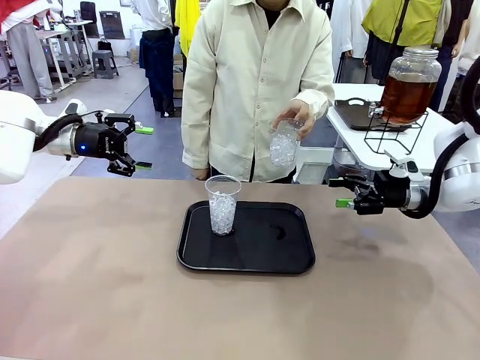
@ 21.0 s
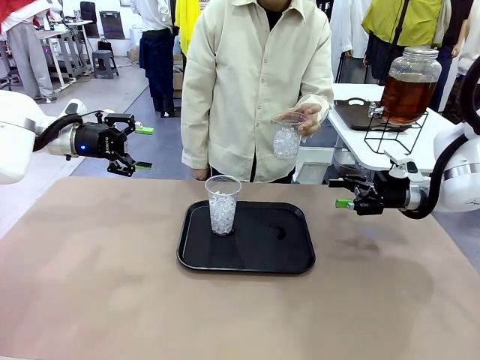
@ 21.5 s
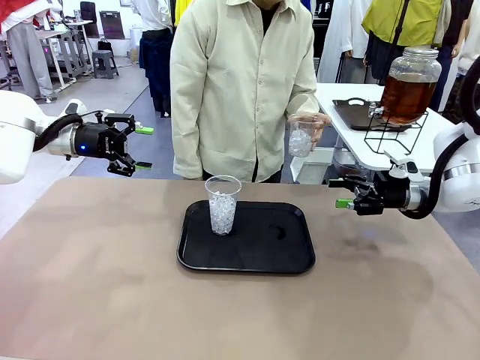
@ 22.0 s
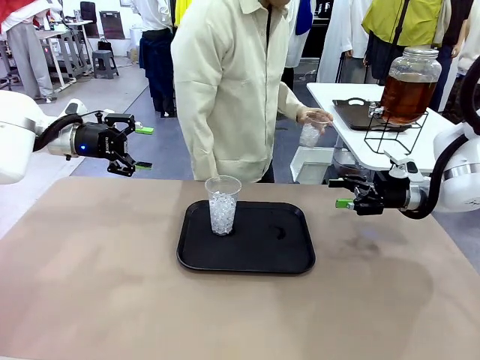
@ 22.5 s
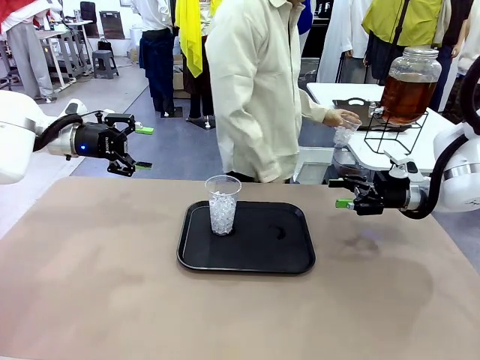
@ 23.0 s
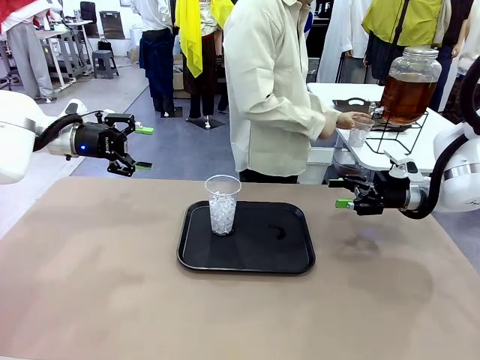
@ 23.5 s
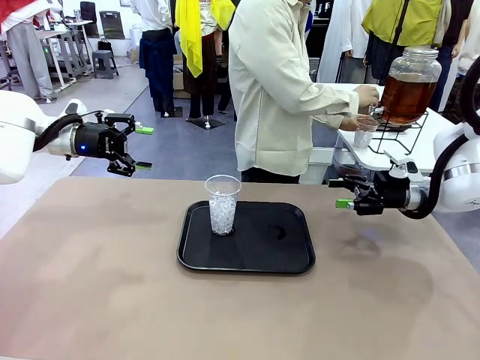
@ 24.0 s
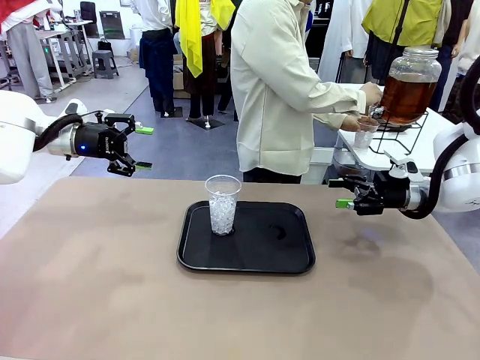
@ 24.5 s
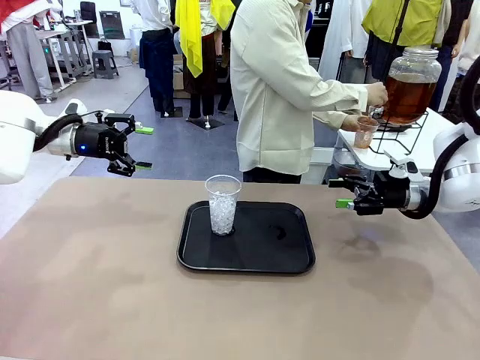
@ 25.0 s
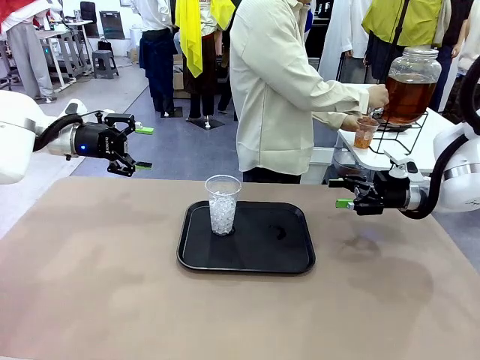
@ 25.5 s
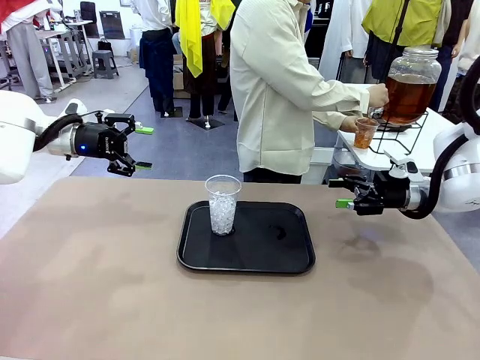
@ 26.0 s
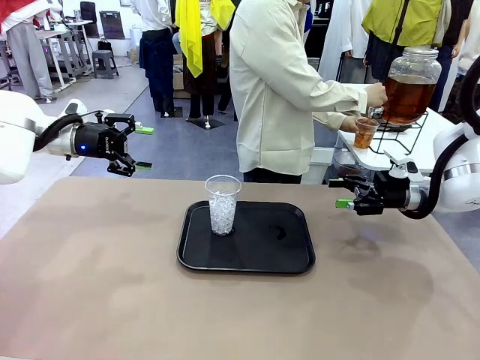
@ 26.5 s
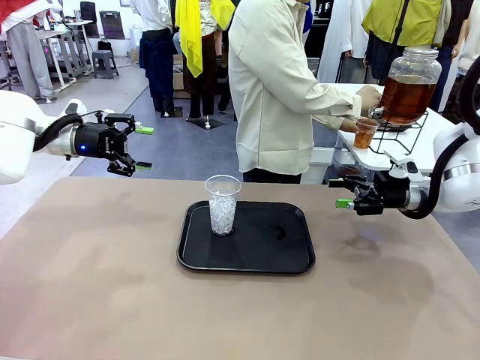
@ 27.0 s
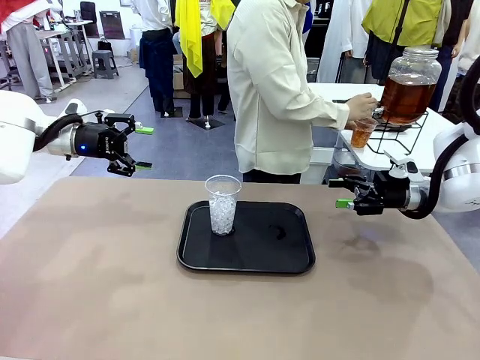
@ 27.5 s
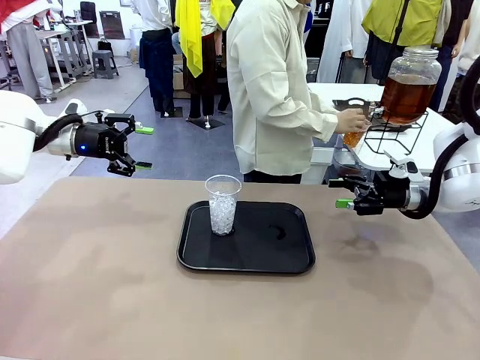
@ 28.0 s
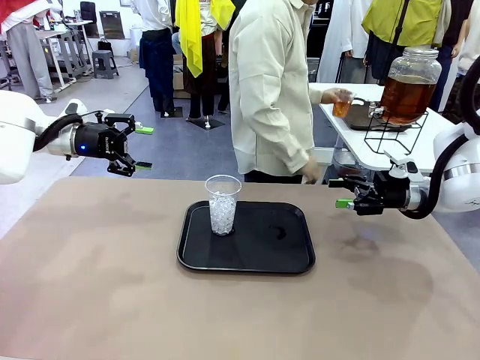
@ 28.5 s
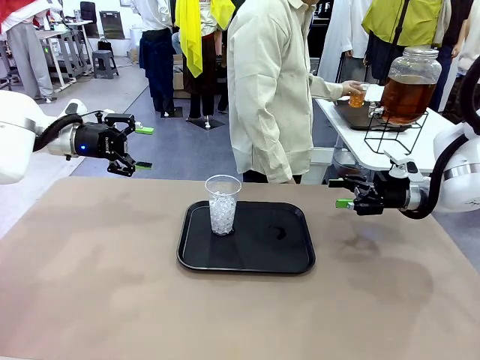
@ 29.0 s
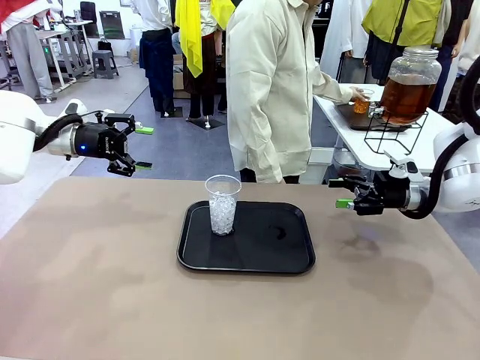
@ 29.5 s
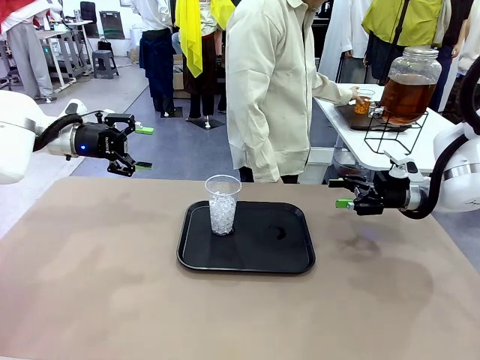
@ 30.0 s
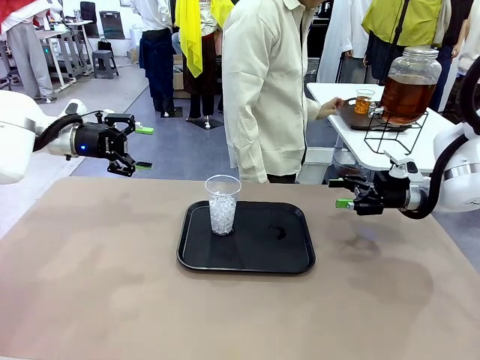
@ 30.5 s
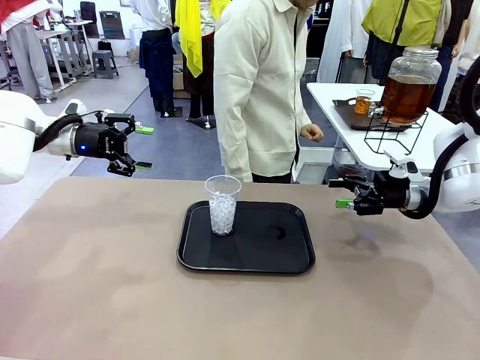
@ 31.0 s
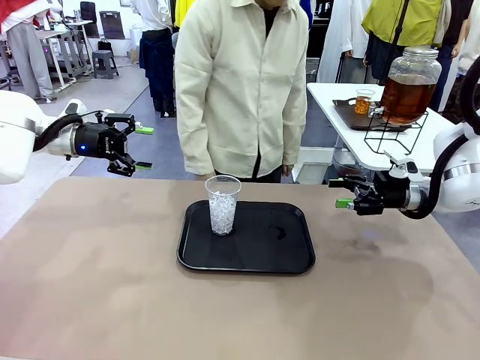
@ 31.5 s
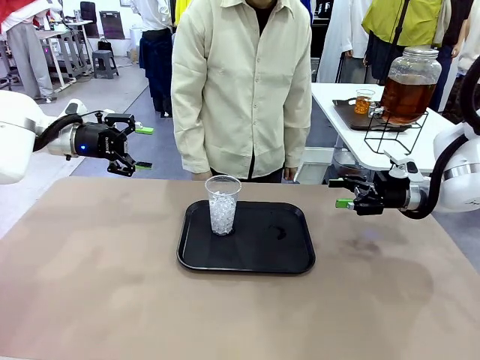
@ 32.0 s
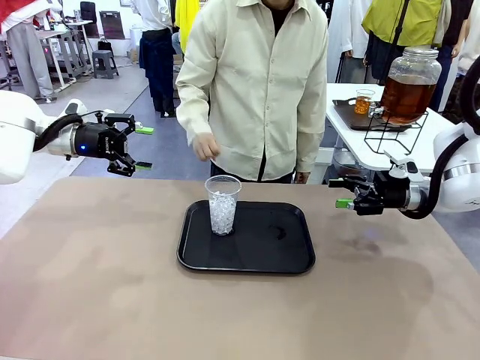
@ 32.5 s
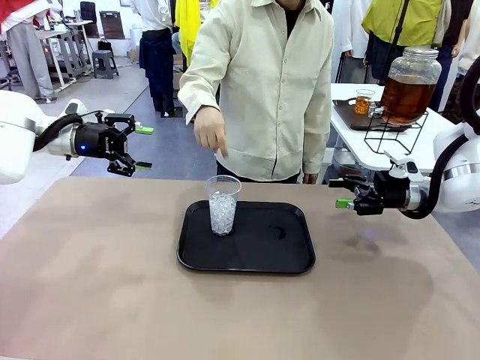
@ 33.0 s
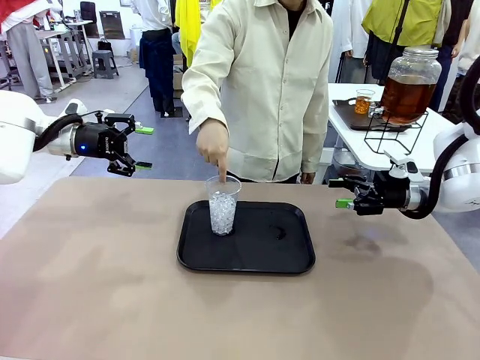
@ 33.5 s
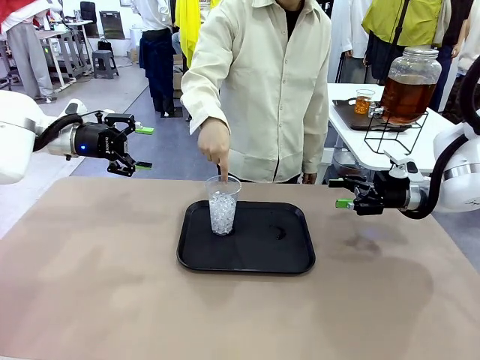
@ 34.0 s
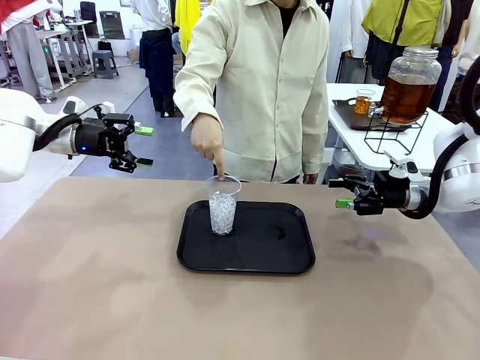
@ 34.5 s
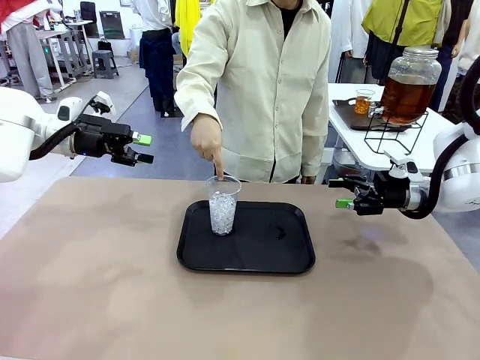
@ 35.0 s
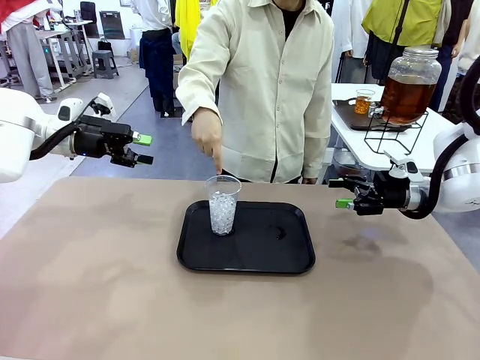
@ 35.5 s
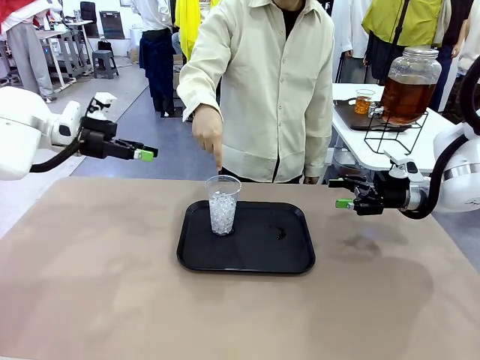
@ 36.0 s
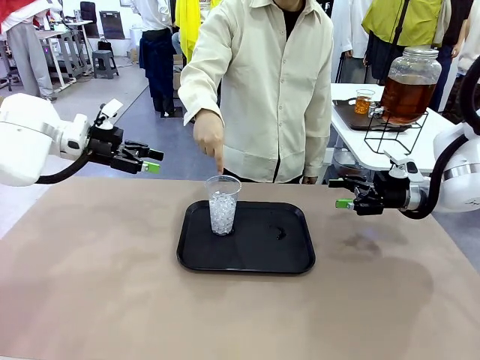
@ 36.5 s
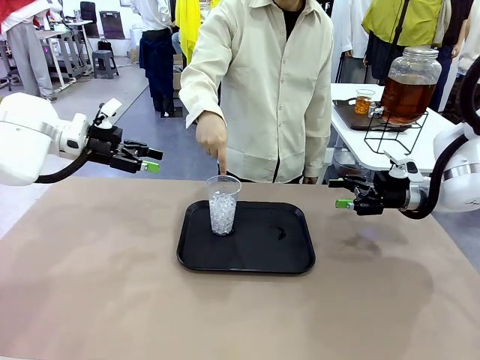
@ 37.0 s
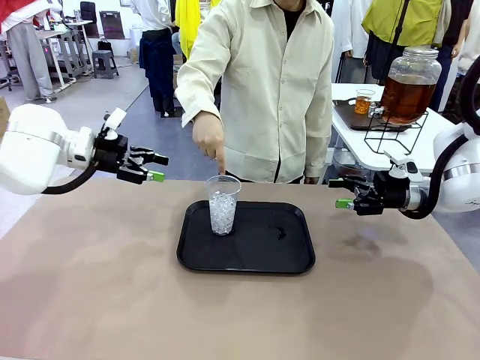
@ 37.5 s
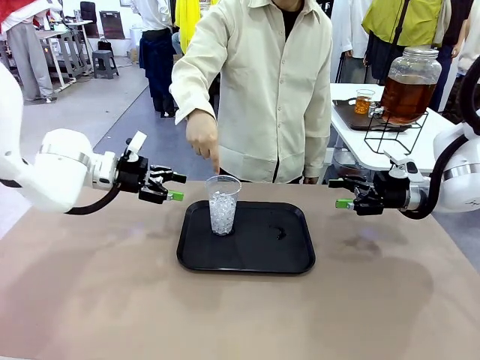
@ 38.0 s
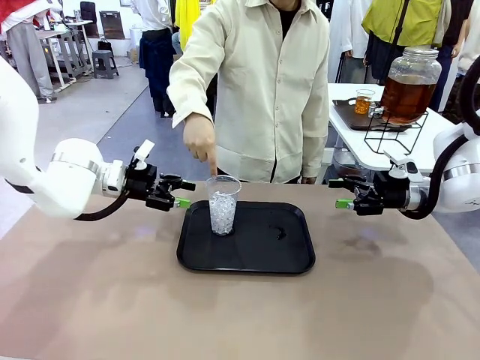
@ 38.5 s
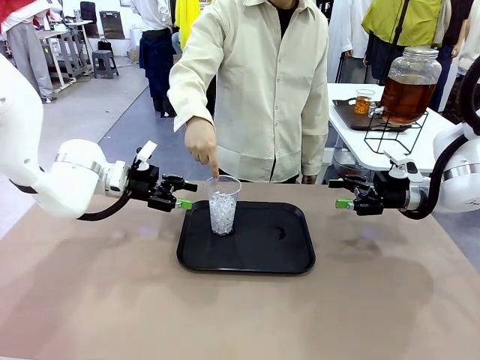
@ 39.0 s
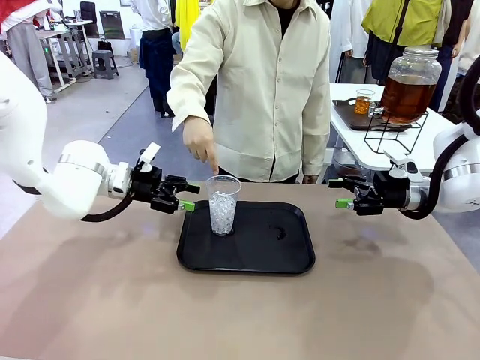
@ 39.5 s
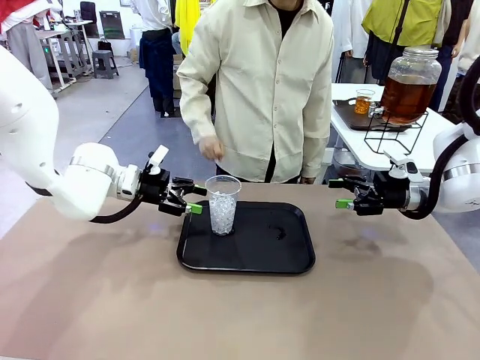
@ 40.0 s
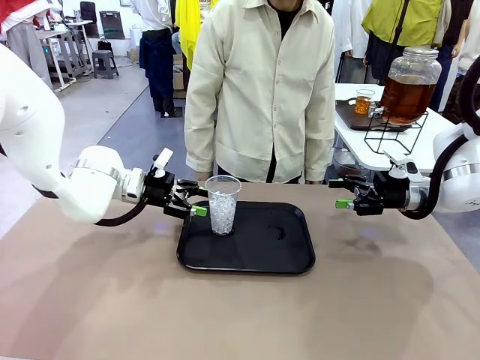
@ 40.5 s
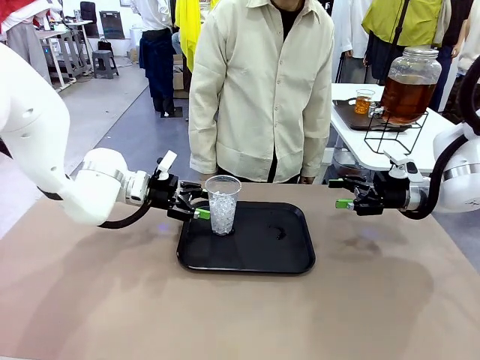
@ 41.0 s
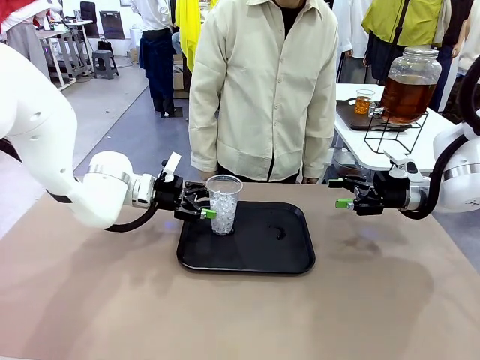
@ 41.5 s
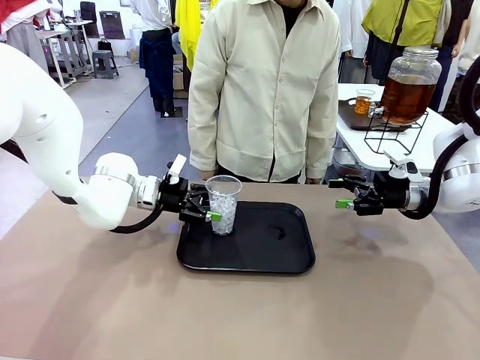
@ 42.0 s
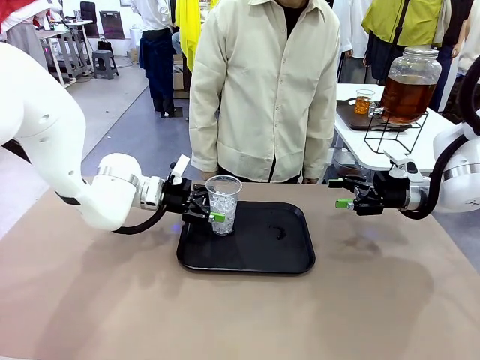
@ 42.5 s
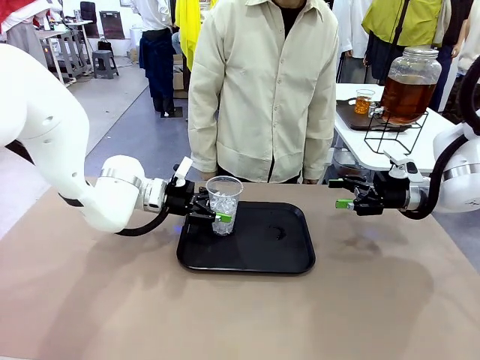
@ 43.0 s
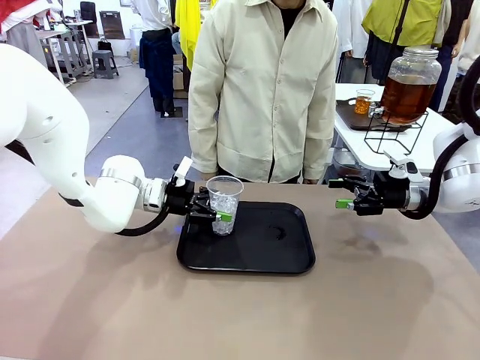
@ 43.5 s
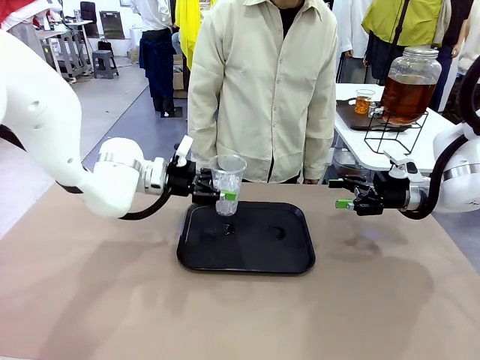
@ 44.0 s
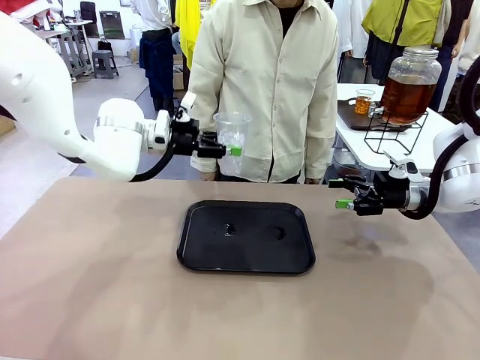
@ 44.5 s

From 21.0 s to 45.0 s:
Task: Pour the drink into the iced cup.
Robot: Pick up the iced cup indicated by the human and present it to them.
Person: Move the picked-up cup under the dispenser faucet, pour the drink, and place it on the tray on the human table. Point to the remaining ice cup on the robot table. Pick up the cup offered by the robot.
